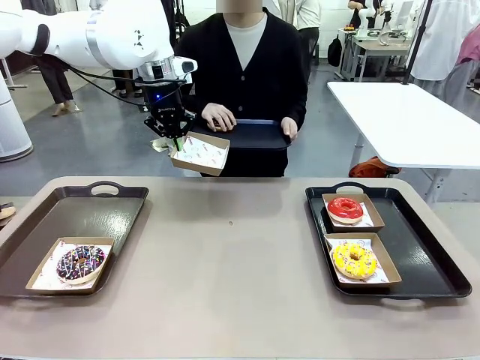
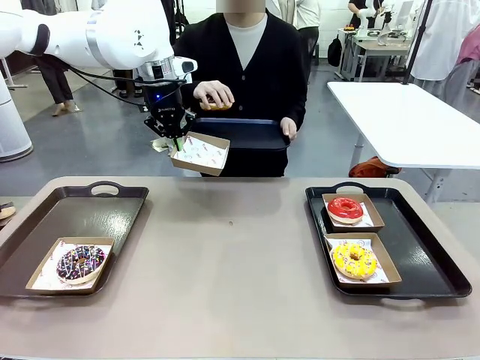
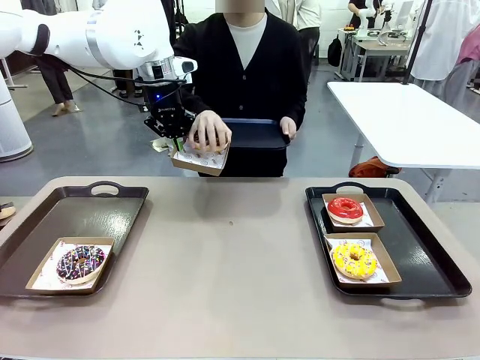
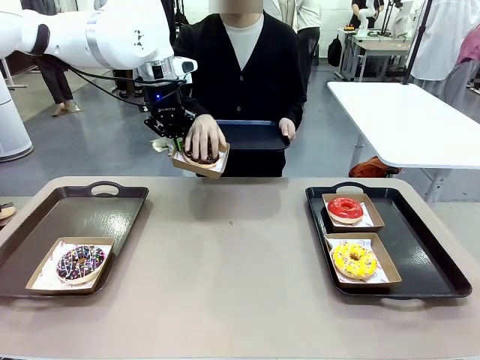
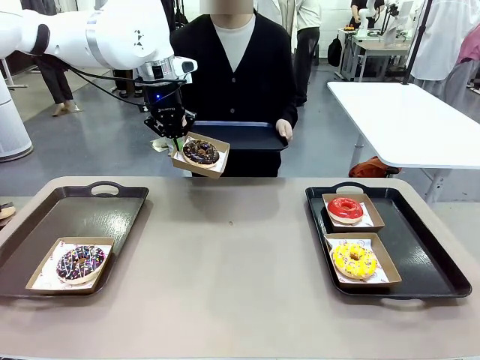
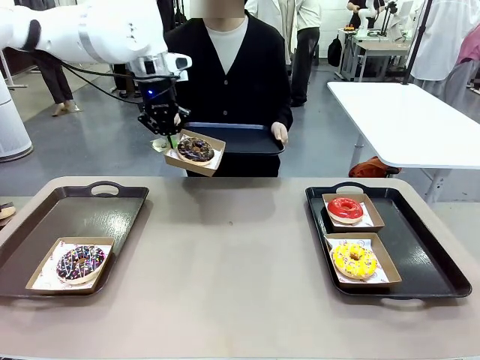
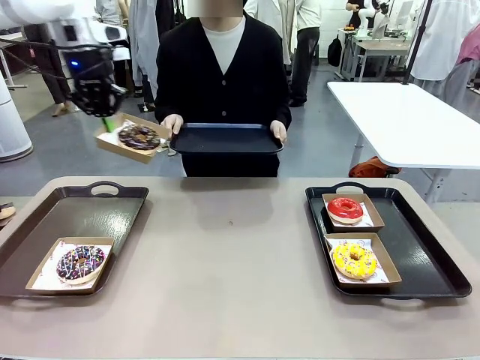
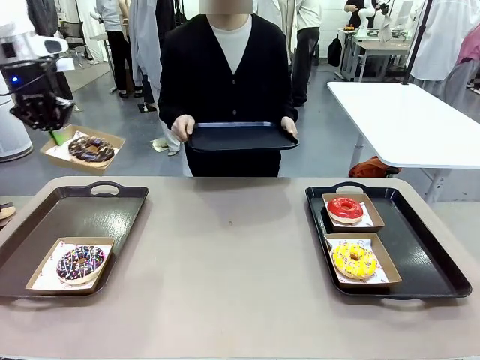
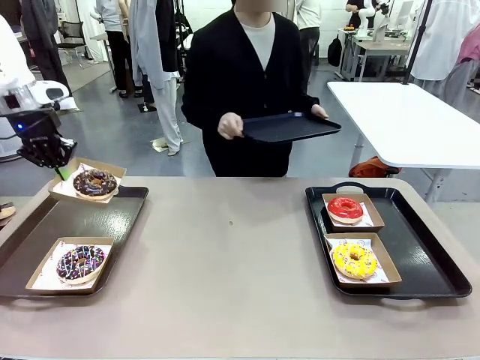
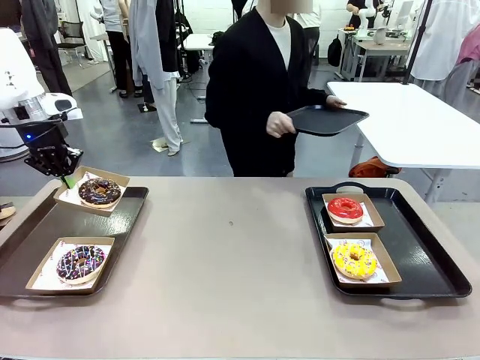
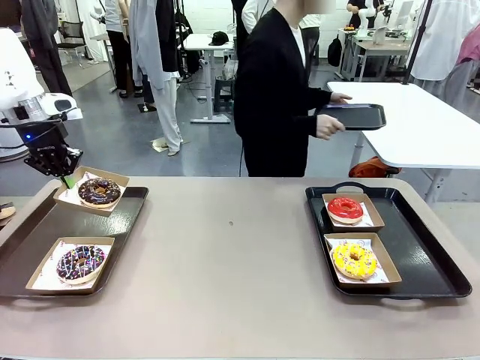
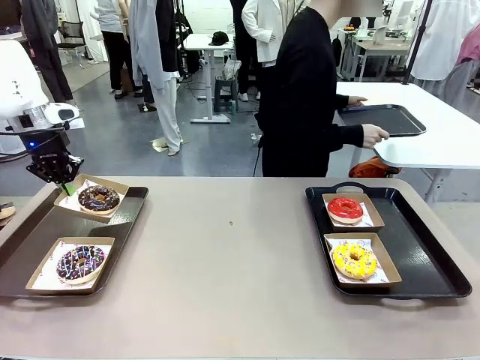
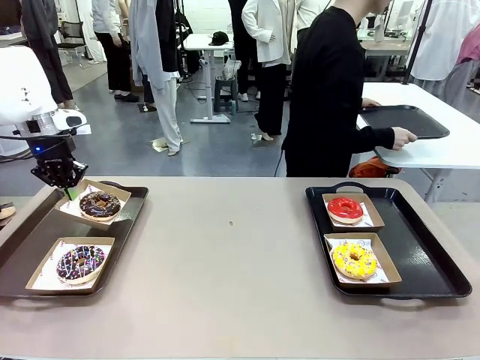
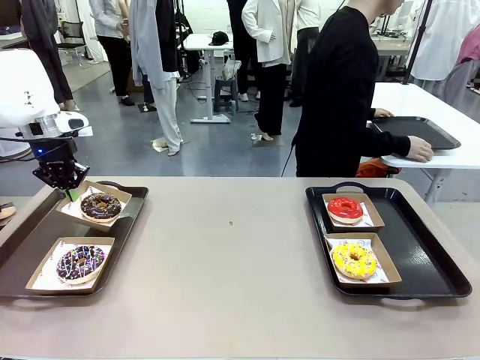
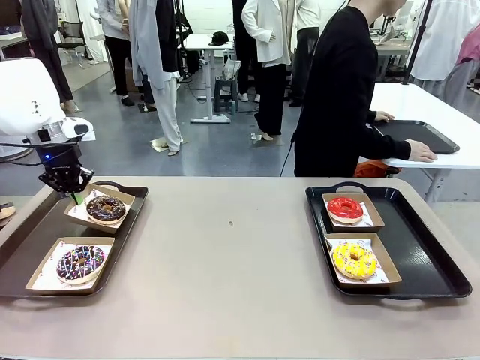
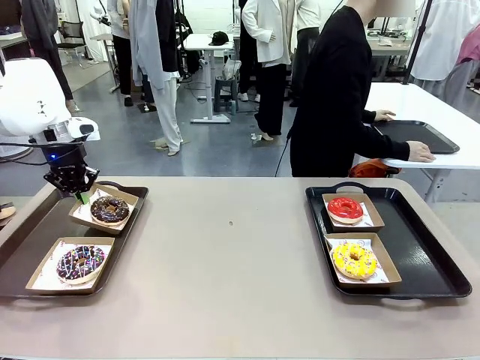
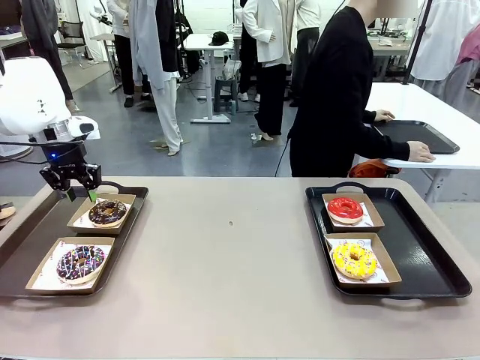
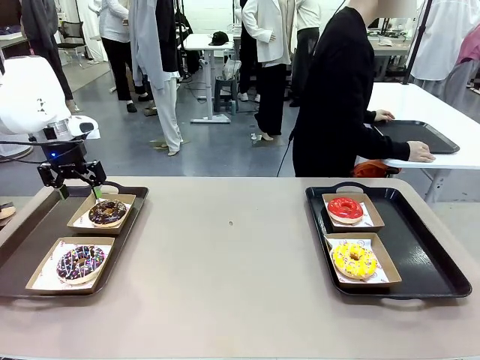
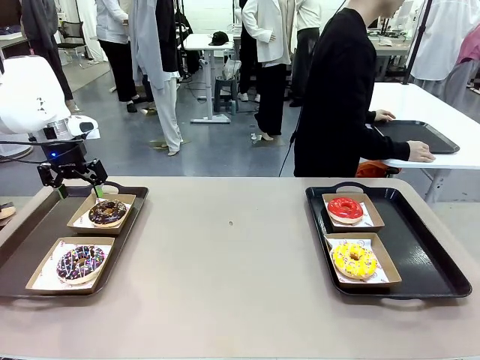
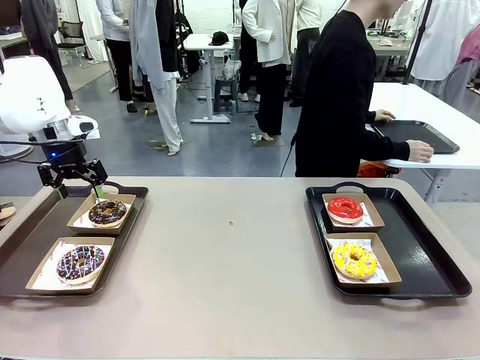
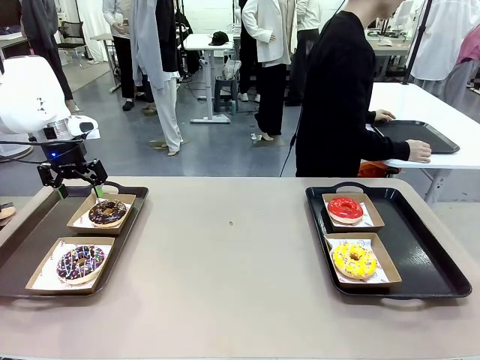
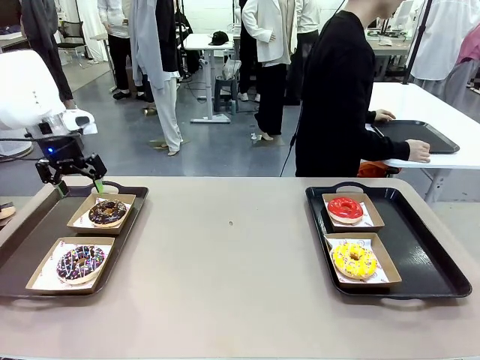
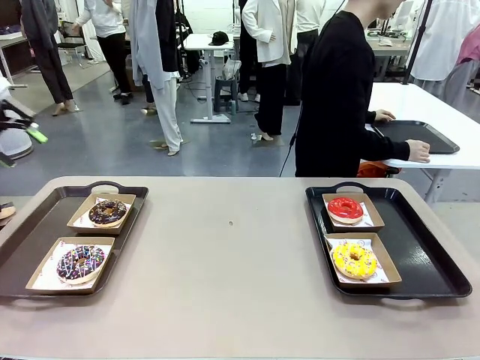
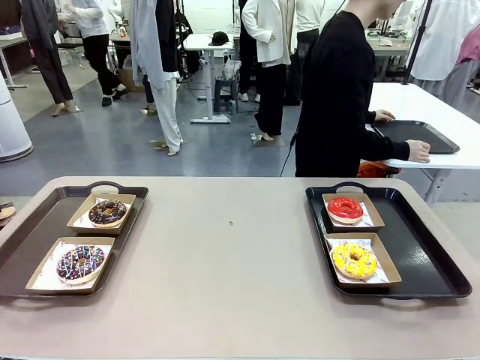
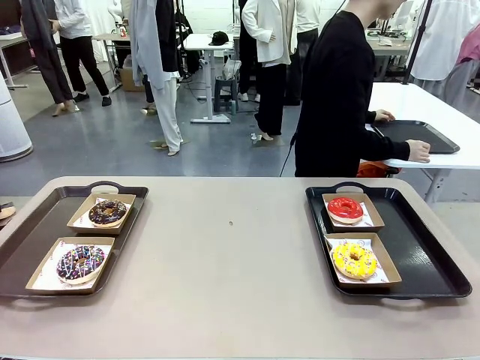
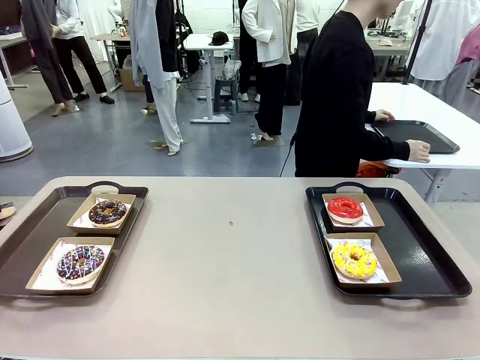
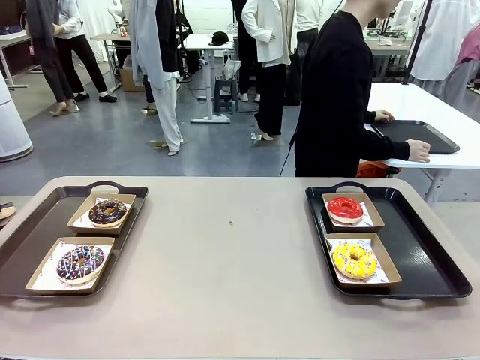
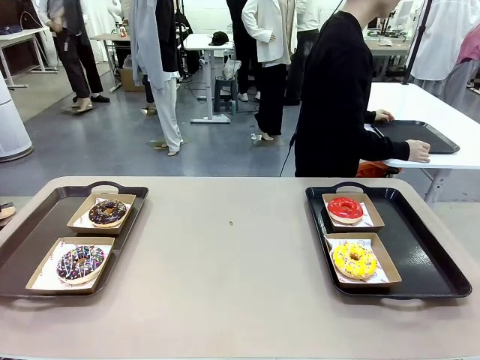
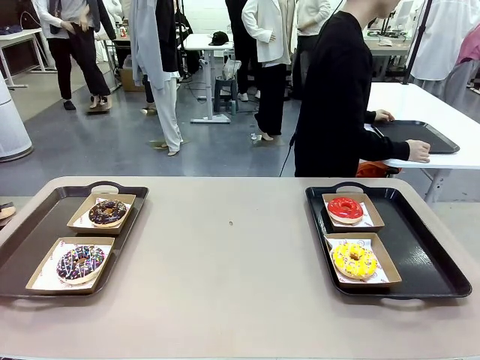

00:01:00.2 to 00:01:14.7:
Task: Individually package the donuts and arrange them on the tray.
Robot: Place the picked Paper togo box on the Handle tray.
Person: Place the tray down in the middle of the human table.

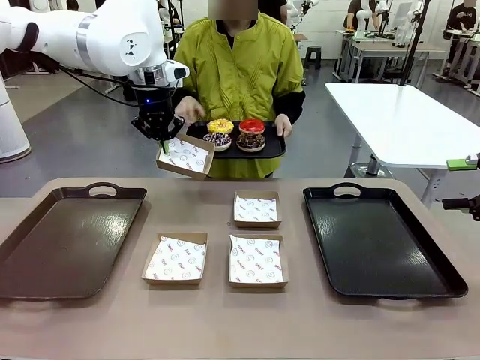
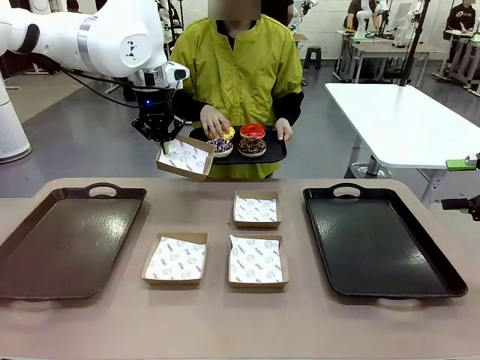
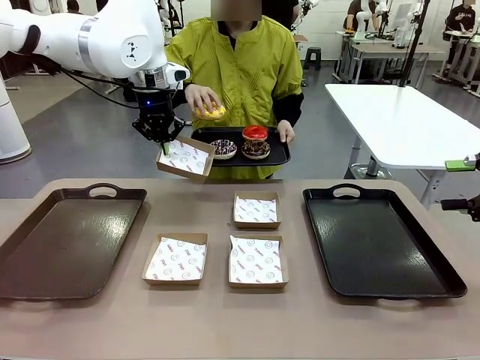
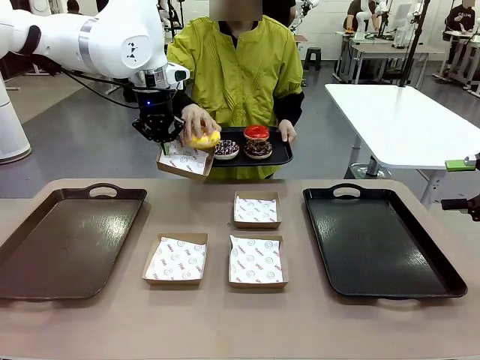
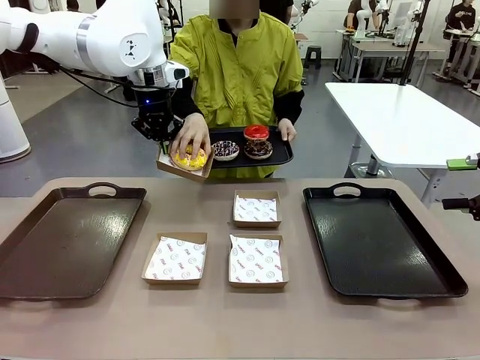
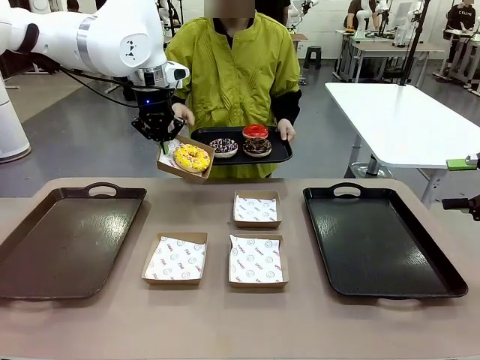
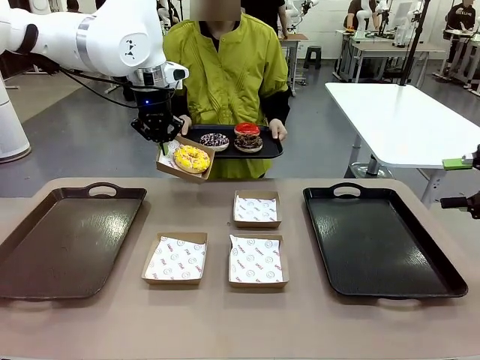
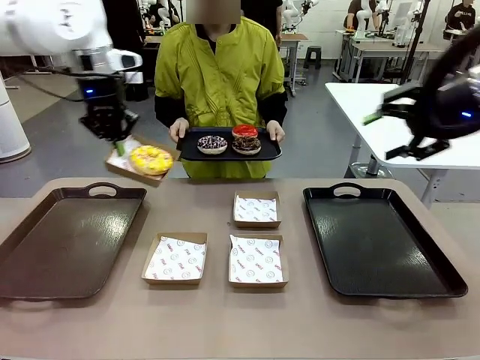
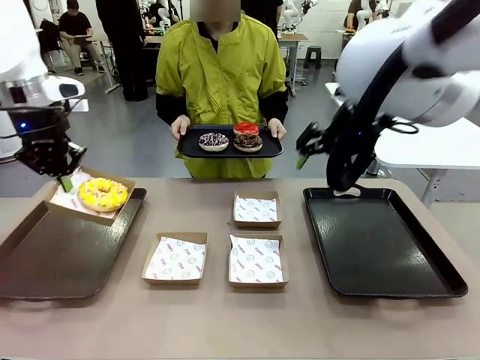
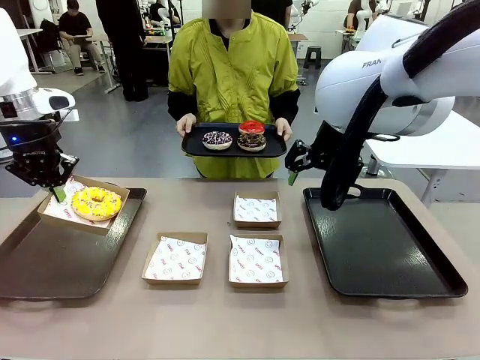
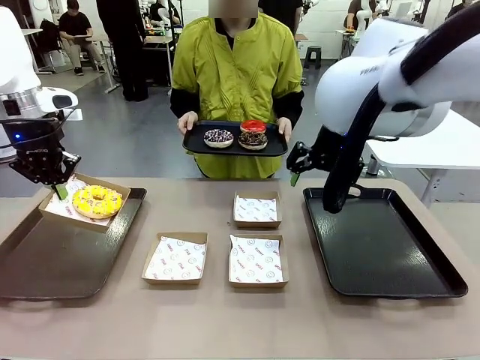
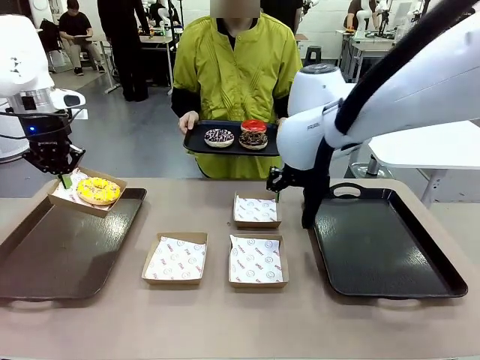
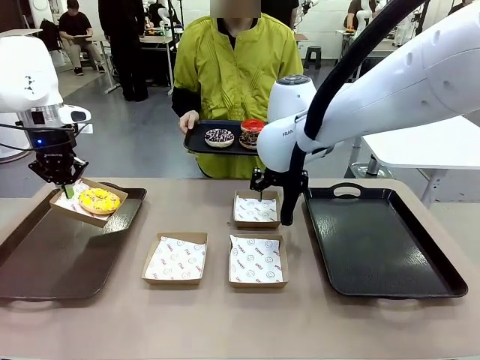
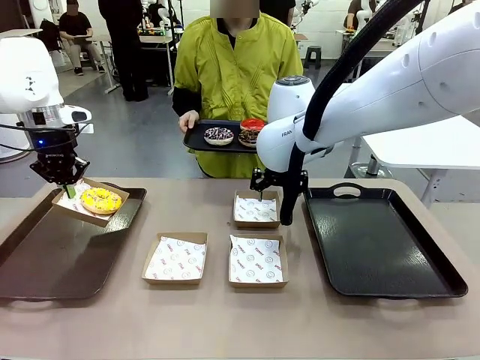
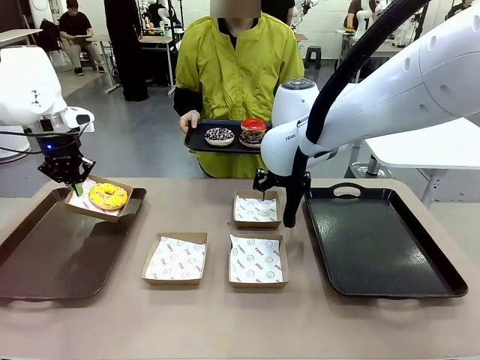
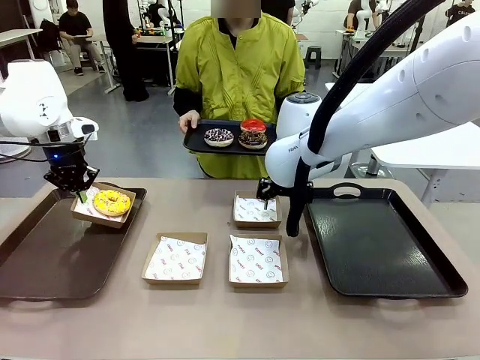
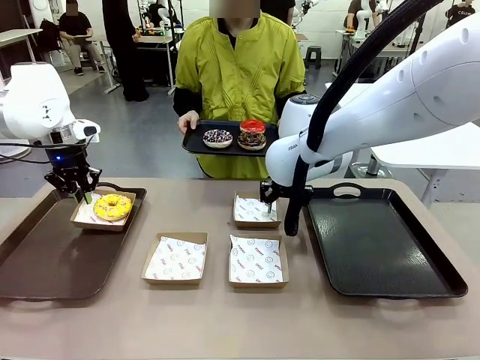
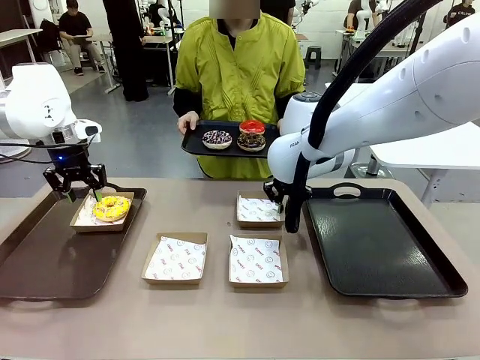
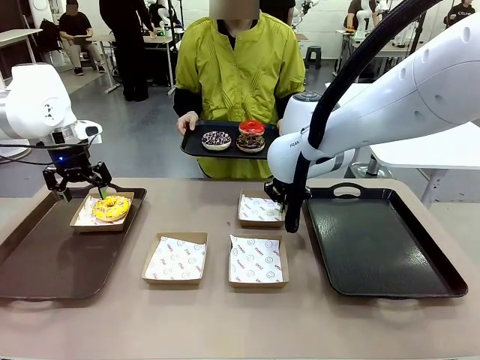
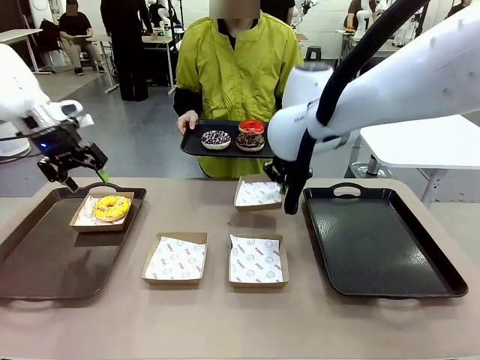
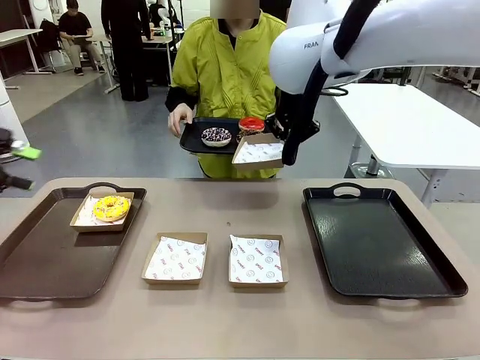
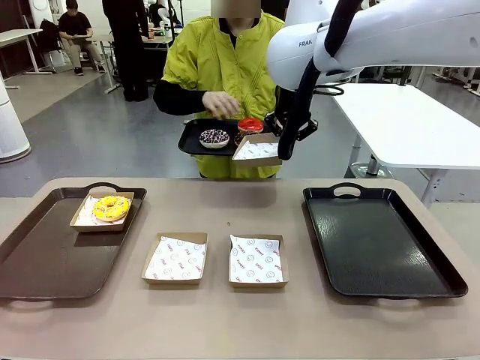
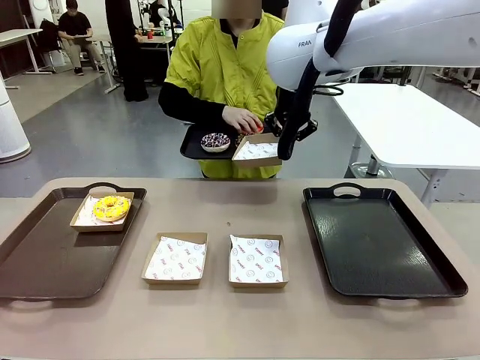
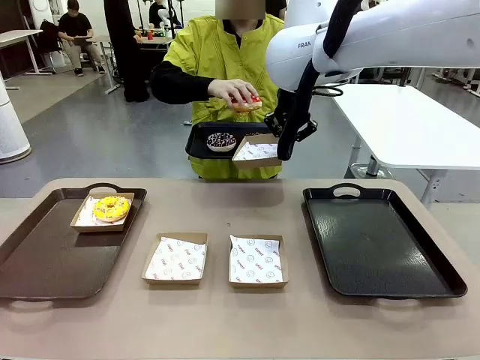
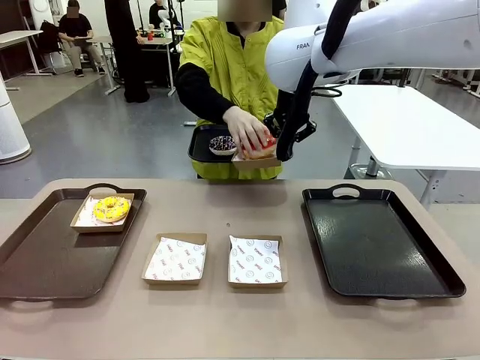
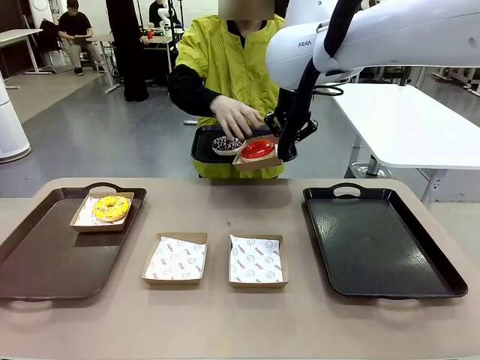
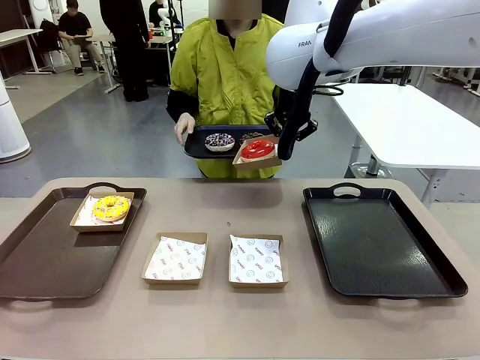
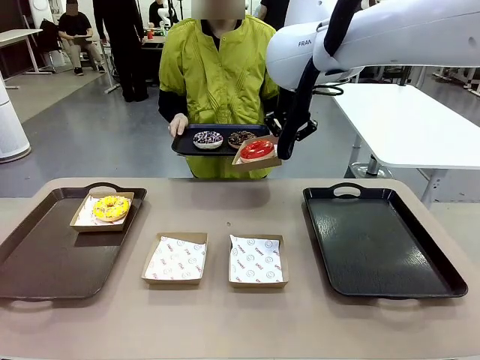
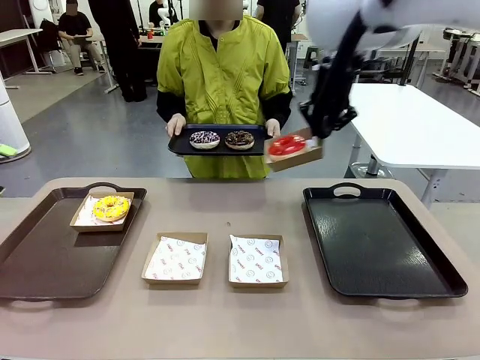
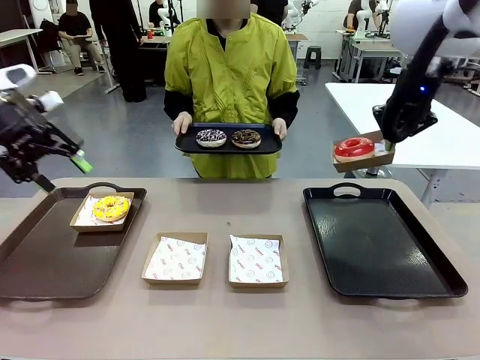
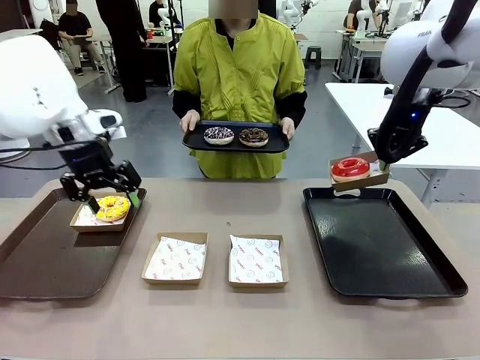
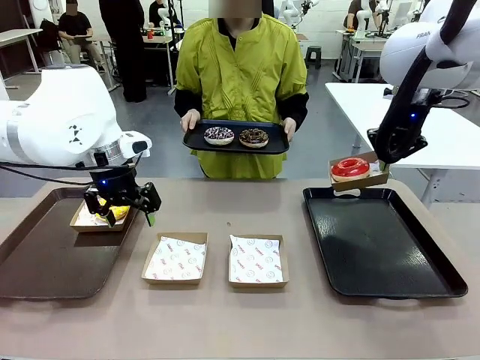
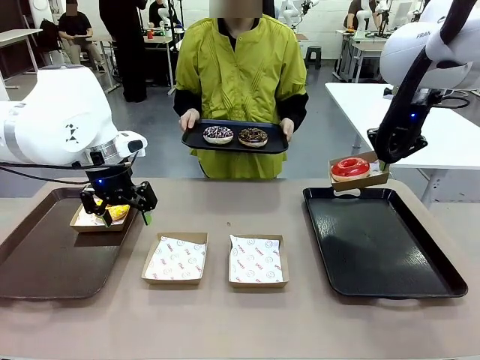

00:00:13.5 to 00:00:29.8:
Task: Individually package the donuts and arrange them on the tray.
Robot: Place the picked Paper togo box on the Handle tray while simultaneously picking up another Paper togo box from the table with the other hand.
